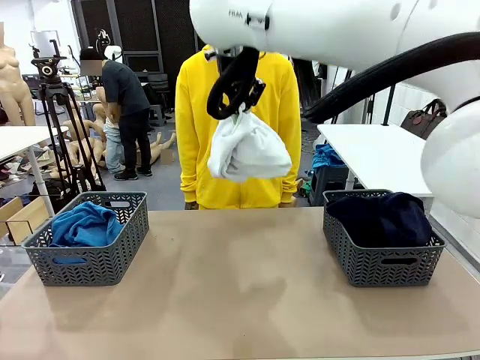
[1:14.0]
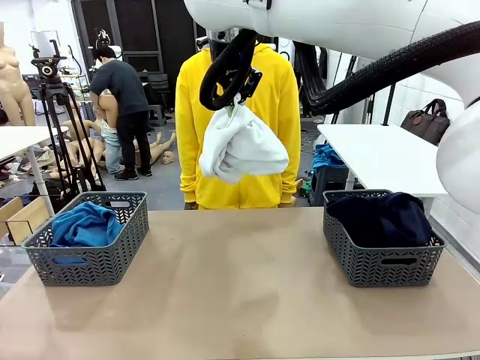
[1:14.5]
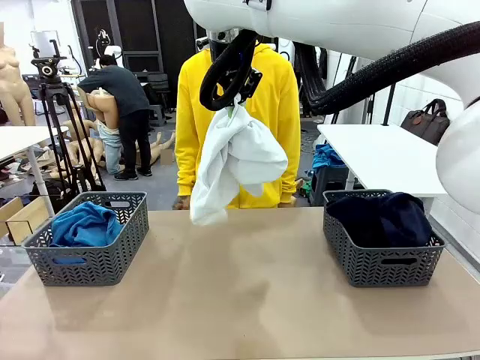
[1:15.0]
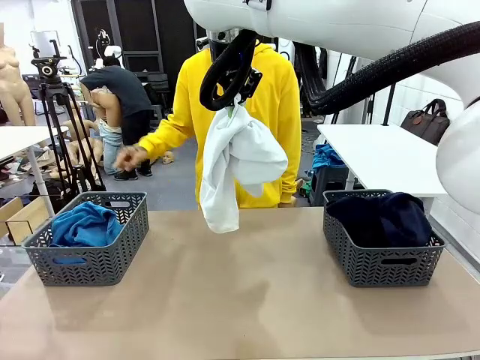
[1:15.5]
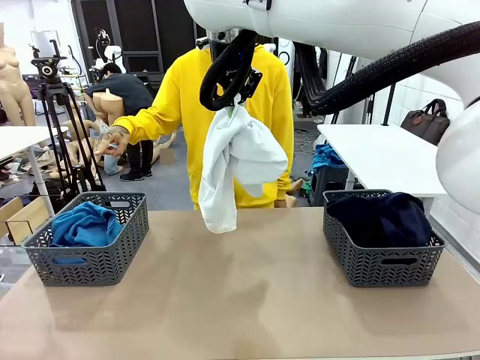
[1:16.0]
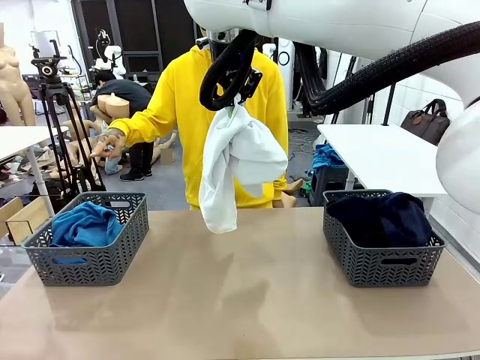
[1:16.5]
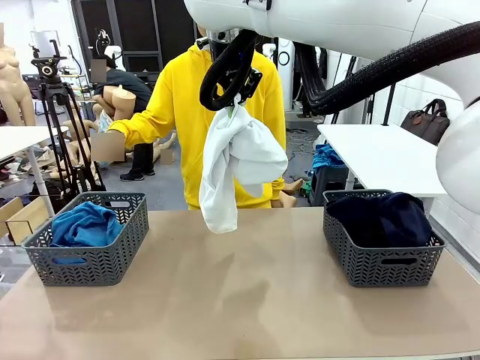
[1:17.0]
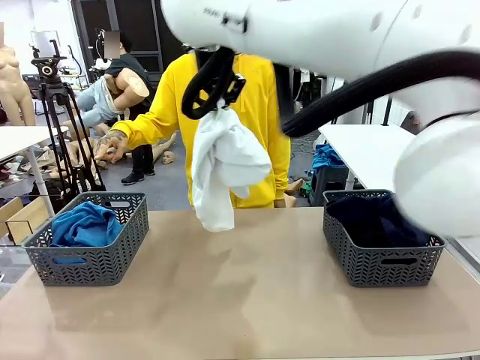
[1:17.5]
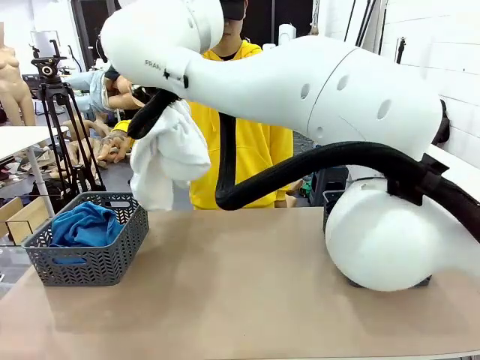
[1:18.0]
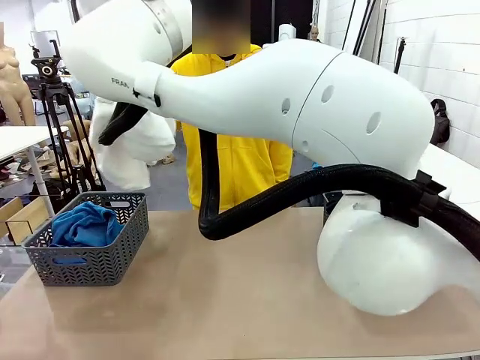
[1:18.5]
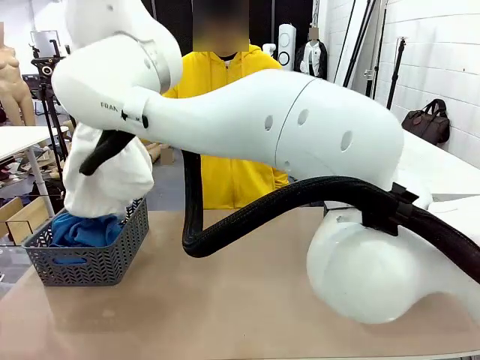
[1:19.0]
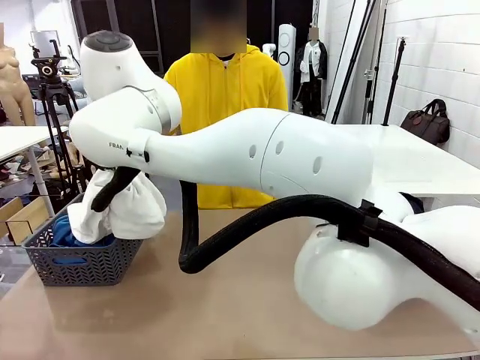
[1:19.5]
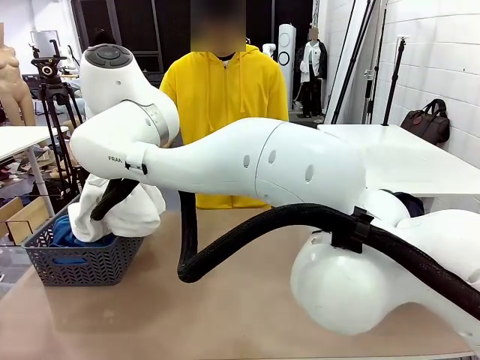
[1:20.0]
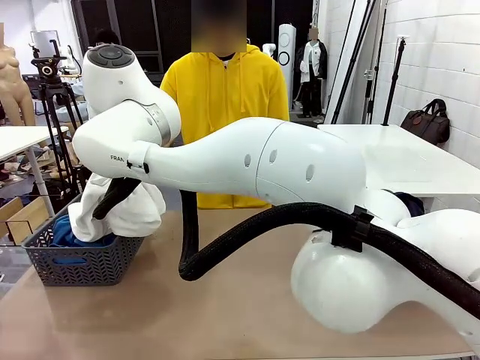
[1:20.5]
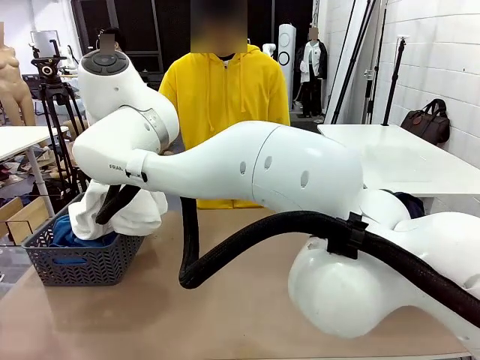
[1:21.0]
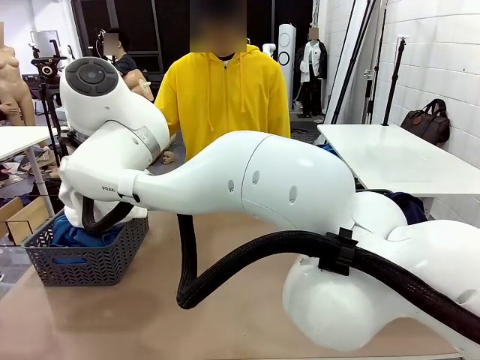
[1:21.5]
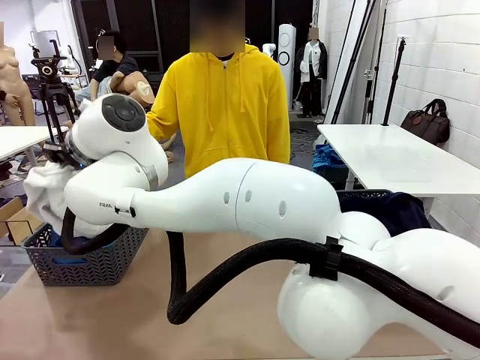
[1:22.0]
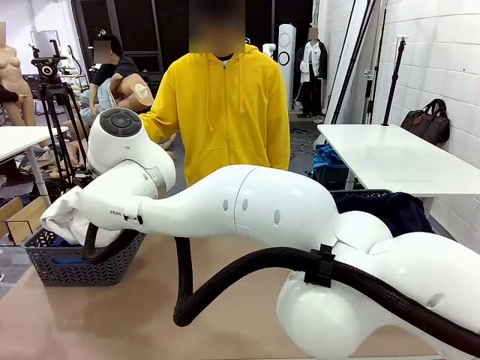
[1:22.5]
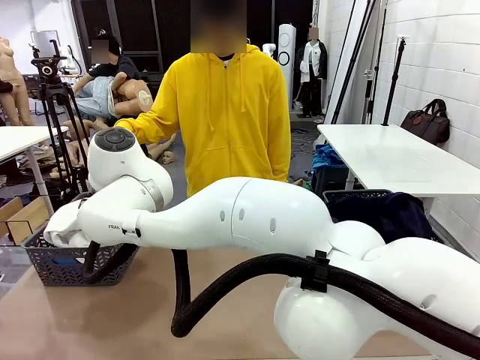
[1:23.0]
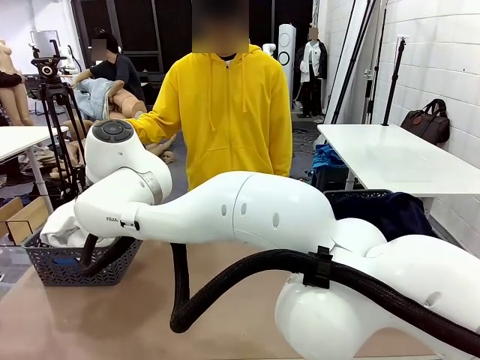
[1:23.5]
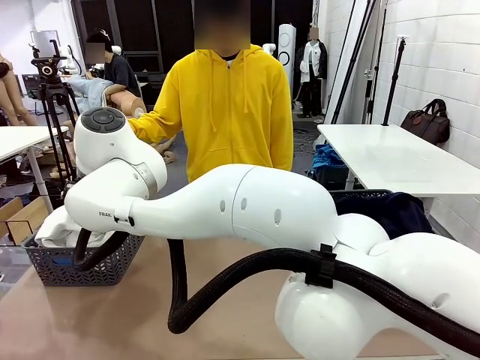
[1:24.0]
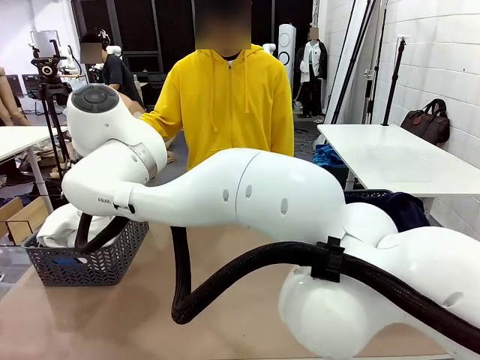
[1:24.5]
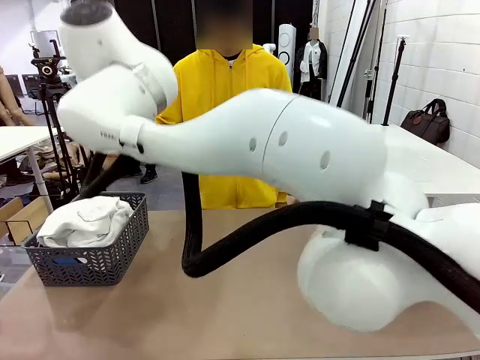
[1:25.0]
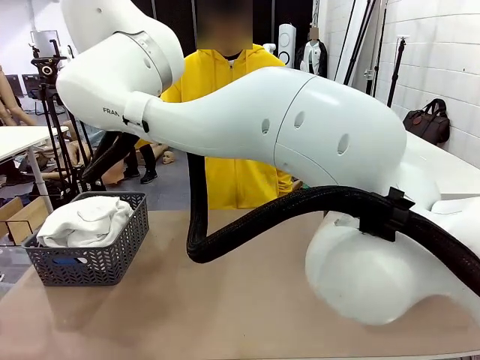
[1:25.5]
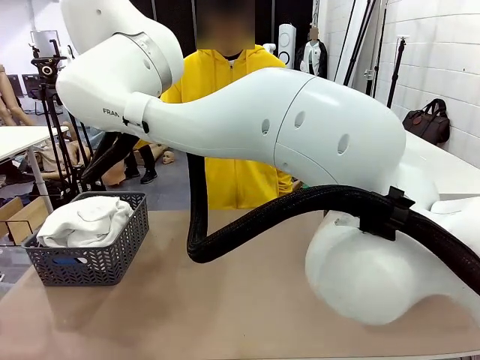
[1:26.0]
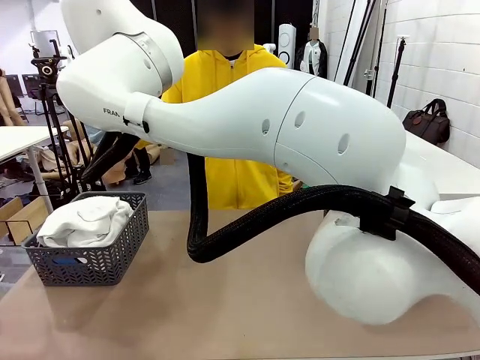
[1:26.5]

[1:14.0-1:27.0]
Task: Sort the tops and bottoms.
Robot: Sort the clothes according to human instructions.

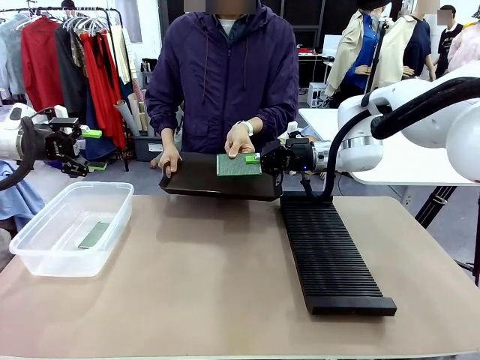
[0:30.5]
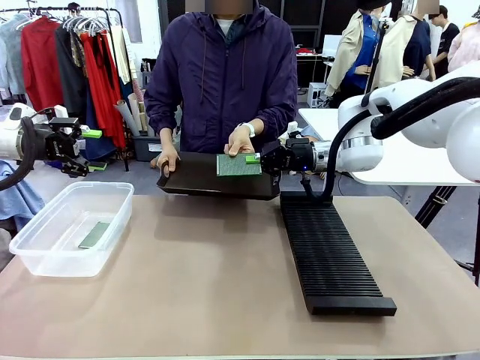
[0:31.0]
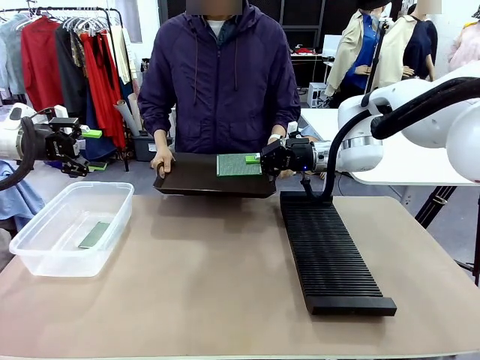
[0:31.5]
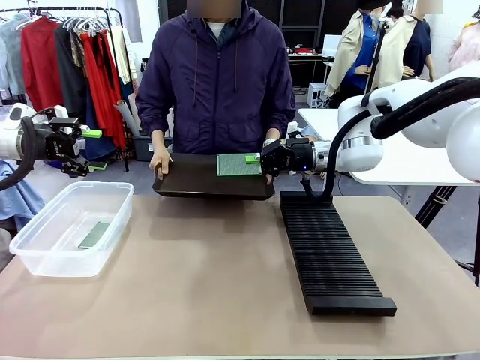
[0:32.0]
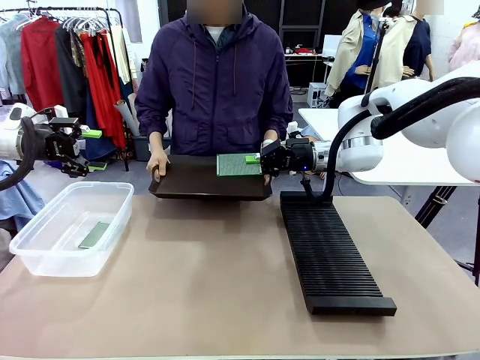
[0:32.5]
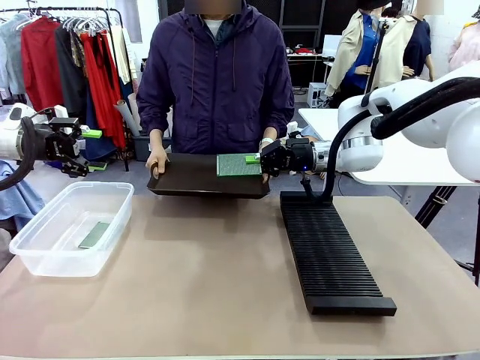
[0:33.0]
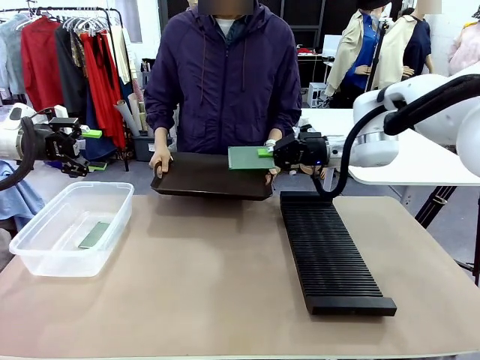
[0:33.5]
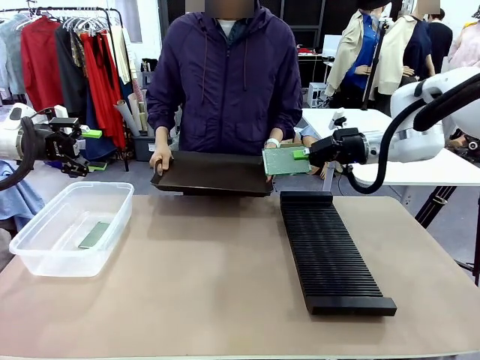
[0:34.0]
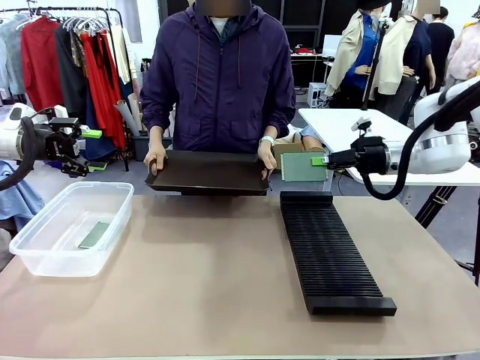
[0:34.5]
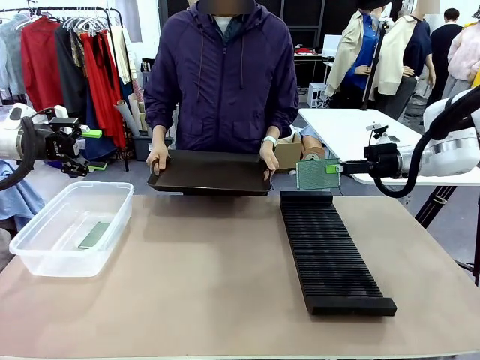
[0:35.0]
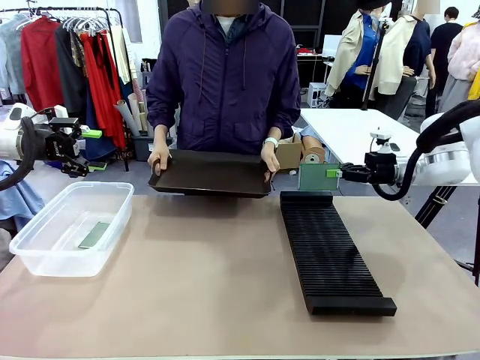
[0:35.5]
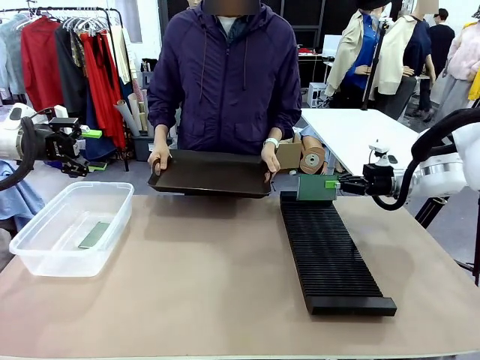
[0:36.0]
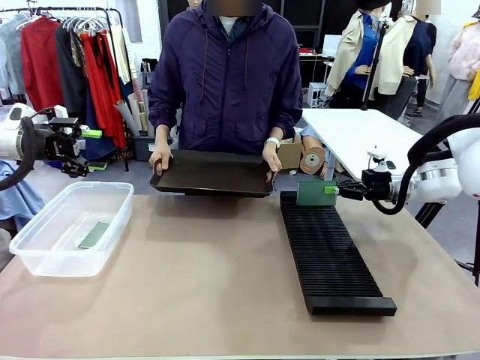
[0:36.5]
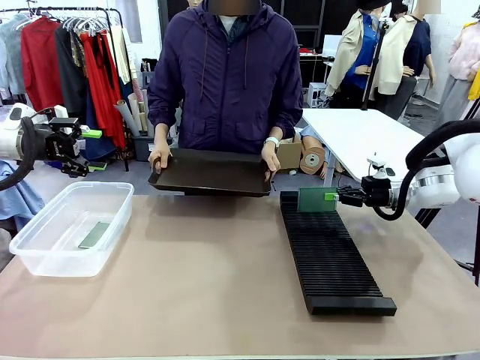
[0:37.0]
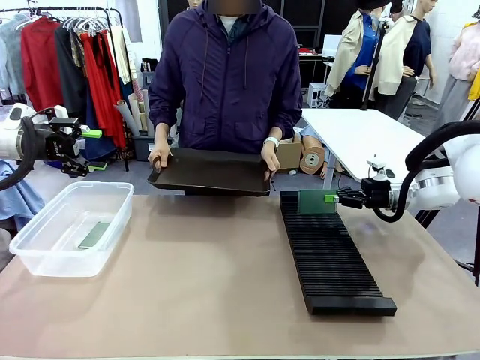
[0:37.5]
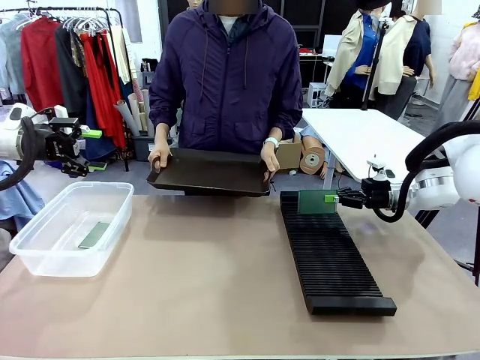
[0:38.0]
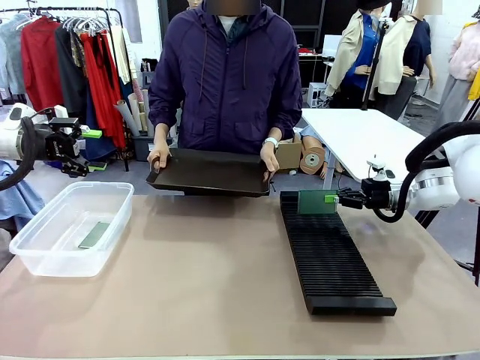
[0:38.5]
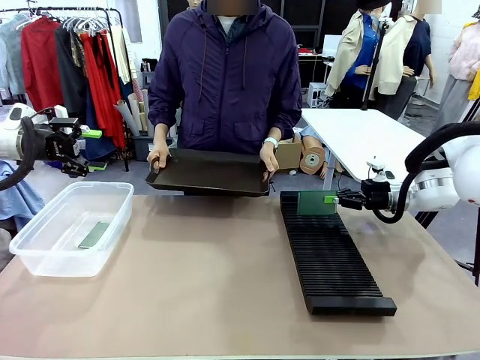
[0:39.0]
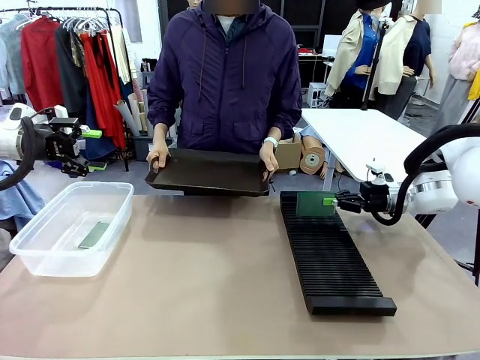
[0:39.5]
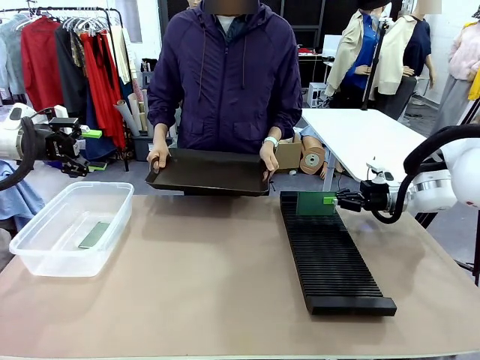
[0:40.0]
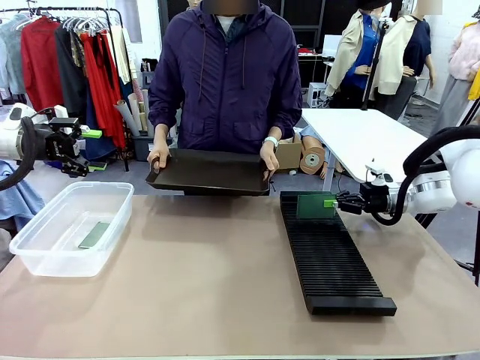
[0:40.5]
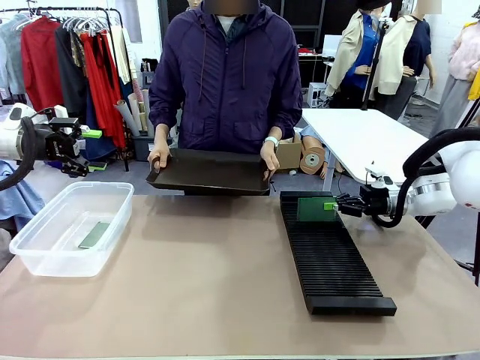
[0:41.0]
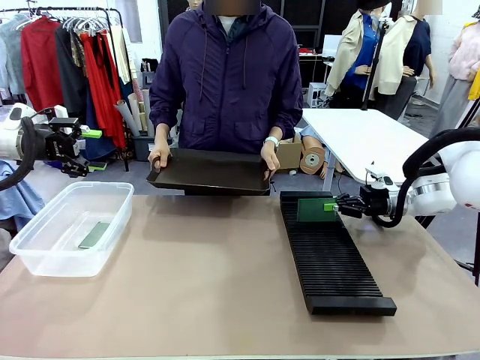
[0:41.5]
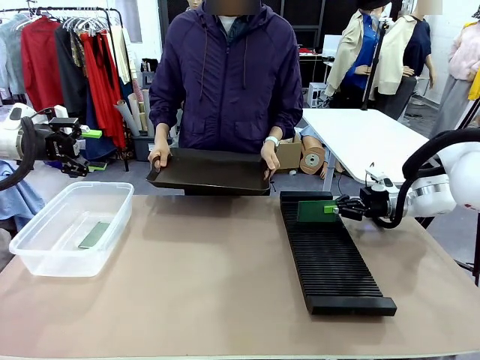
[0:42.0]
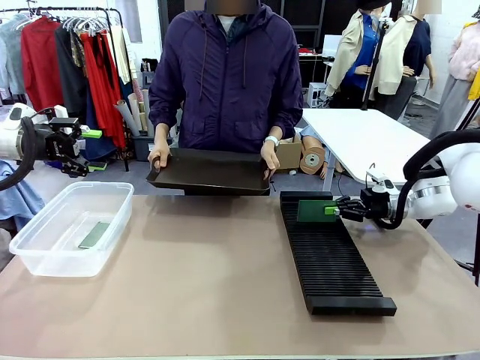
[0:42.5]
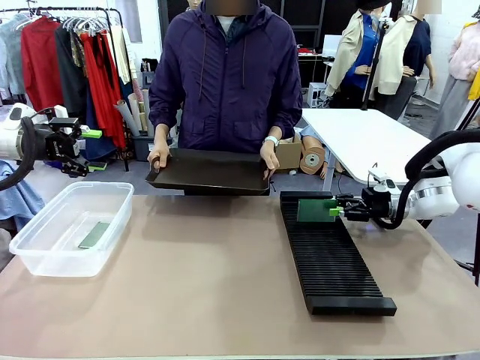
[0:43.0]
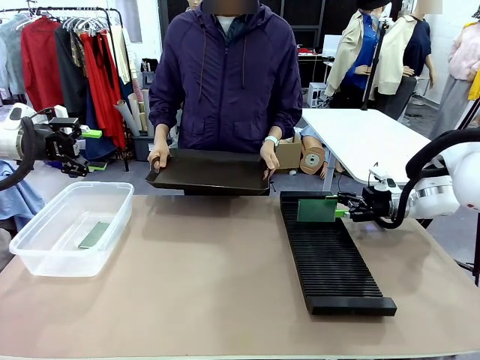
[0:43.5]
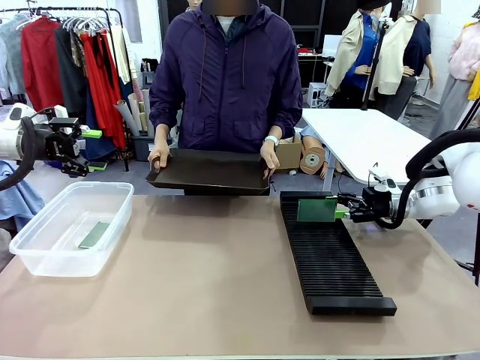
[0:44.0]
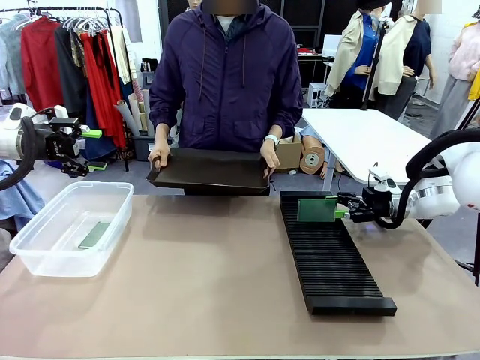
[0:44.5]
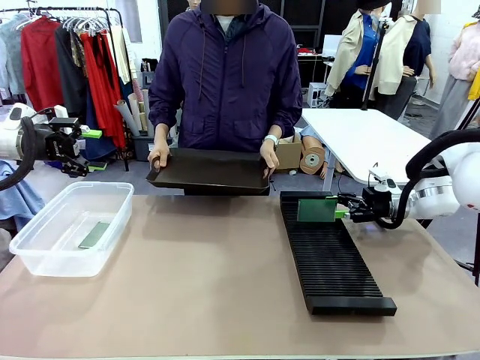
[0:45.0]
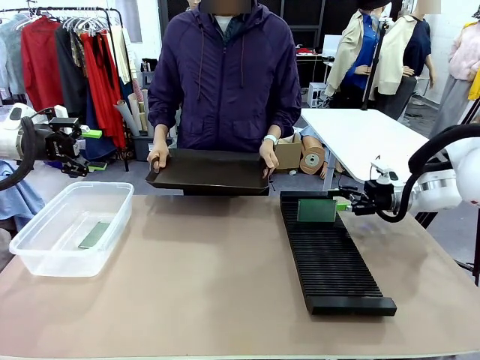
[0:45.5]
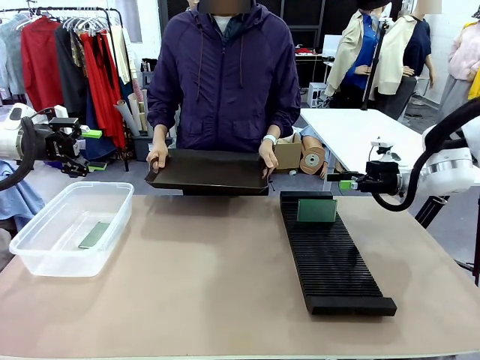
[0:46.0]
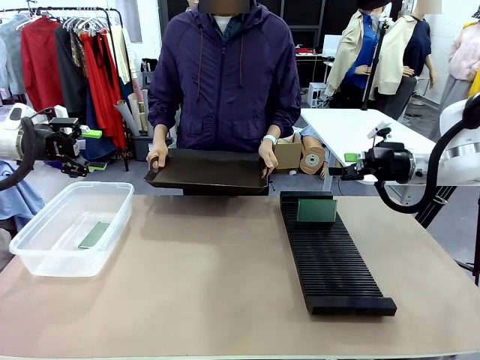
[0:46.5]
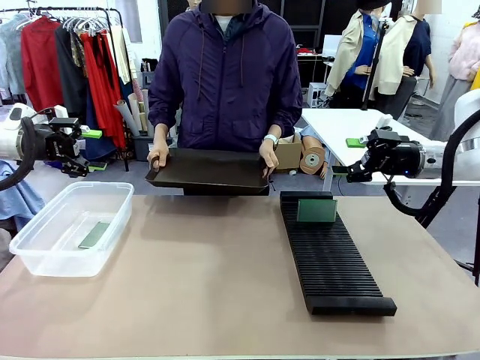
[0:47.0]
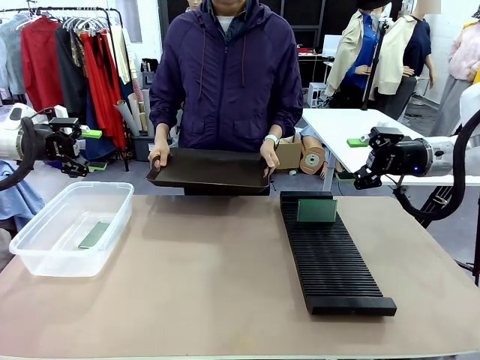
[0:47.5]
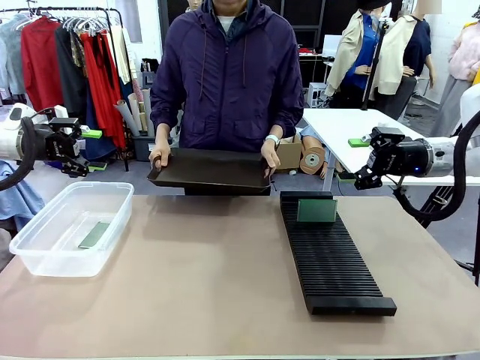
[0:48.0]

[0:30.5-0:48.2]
Task: Sort PCBs into racks and boxes based on the side picked up.
Robot: If the short side of the Blank PCB is picked up, insert it into the PCB Rack ; if the long side is picked up, place it in the Organizing box.
Person: Release the PCB being held.
